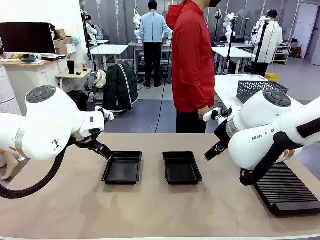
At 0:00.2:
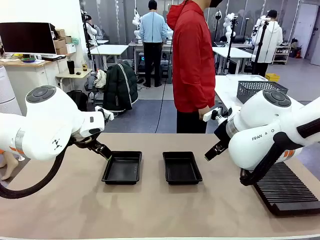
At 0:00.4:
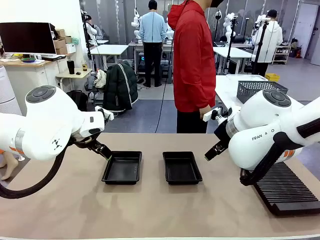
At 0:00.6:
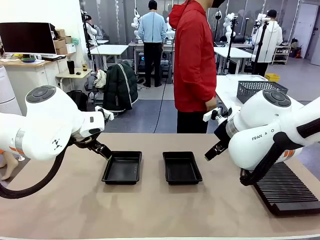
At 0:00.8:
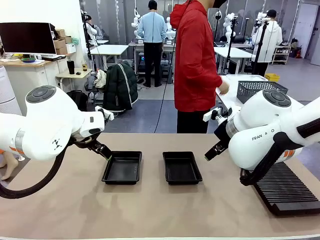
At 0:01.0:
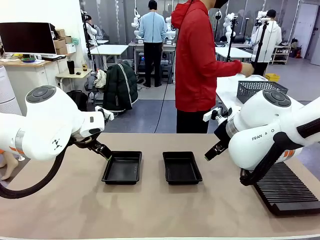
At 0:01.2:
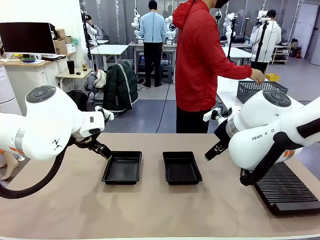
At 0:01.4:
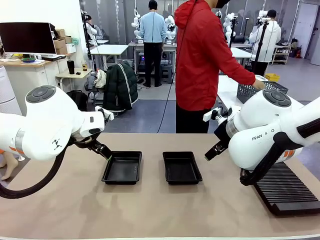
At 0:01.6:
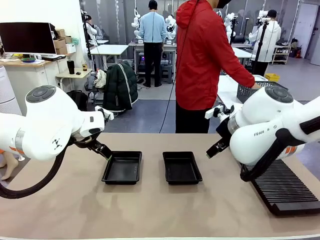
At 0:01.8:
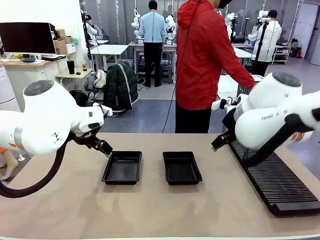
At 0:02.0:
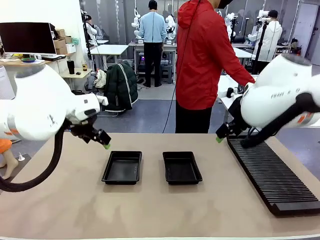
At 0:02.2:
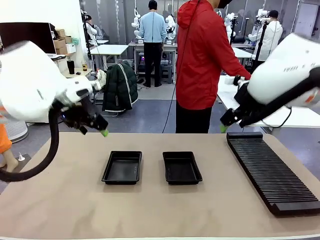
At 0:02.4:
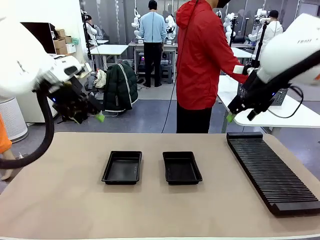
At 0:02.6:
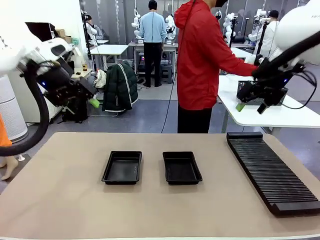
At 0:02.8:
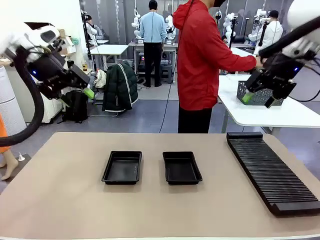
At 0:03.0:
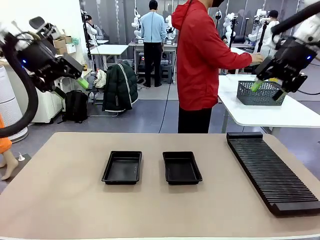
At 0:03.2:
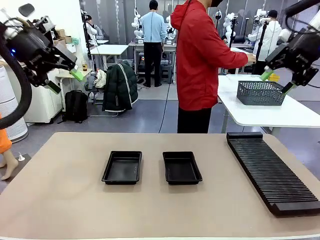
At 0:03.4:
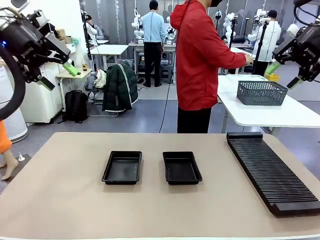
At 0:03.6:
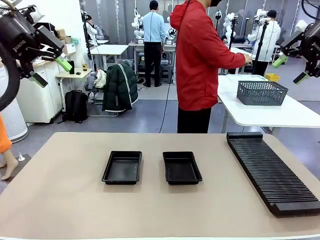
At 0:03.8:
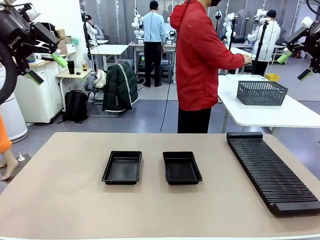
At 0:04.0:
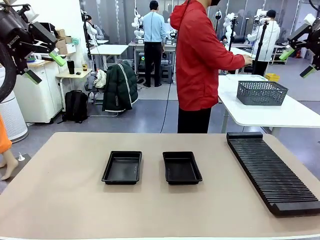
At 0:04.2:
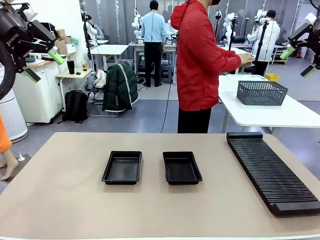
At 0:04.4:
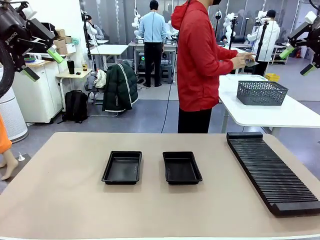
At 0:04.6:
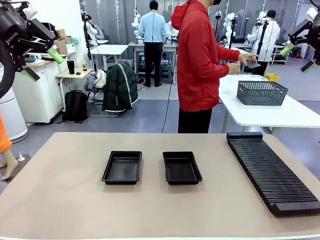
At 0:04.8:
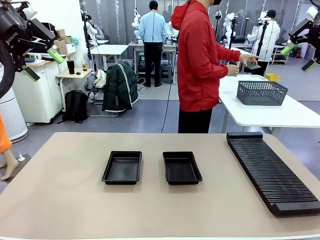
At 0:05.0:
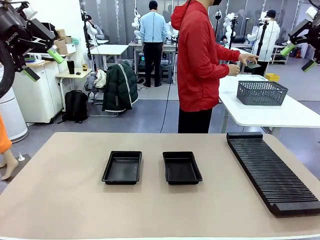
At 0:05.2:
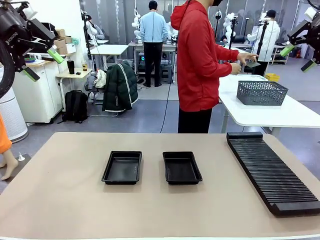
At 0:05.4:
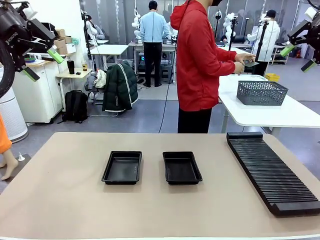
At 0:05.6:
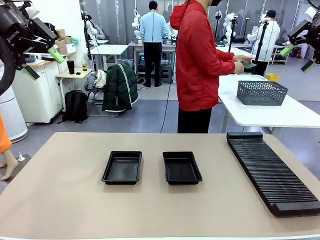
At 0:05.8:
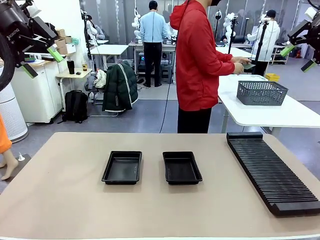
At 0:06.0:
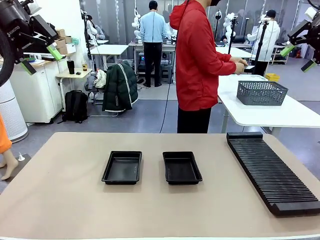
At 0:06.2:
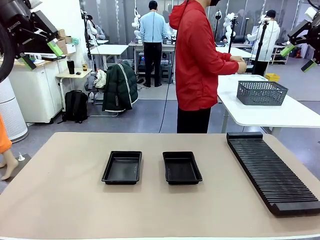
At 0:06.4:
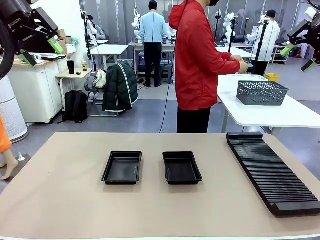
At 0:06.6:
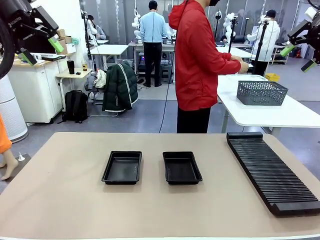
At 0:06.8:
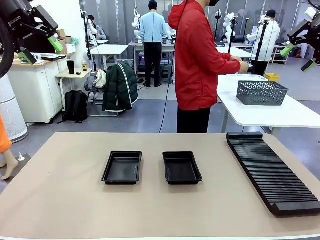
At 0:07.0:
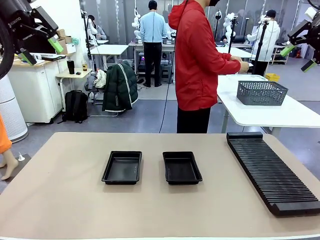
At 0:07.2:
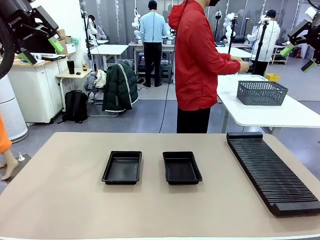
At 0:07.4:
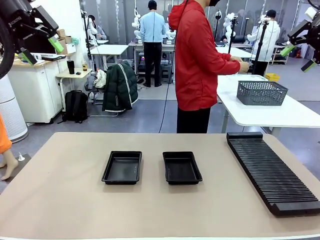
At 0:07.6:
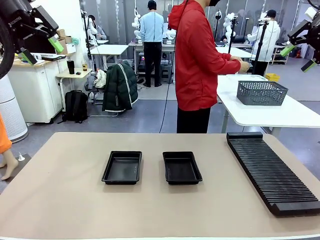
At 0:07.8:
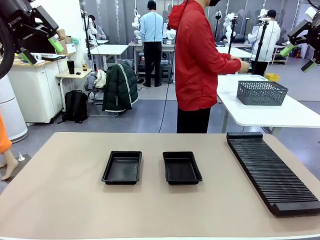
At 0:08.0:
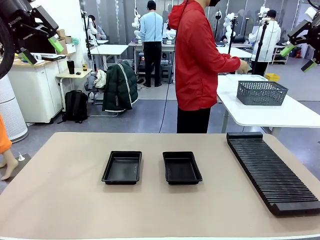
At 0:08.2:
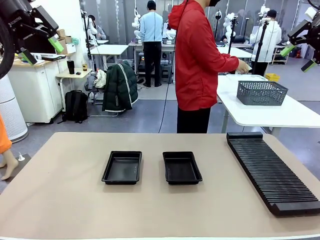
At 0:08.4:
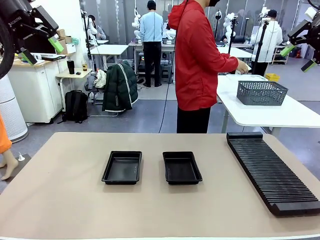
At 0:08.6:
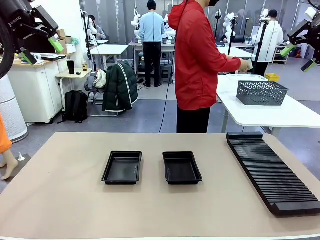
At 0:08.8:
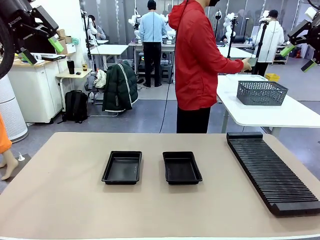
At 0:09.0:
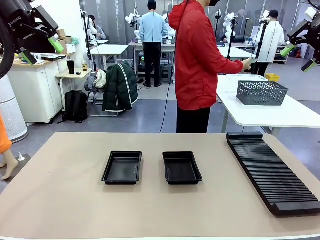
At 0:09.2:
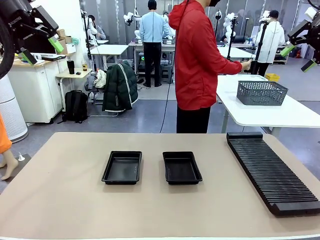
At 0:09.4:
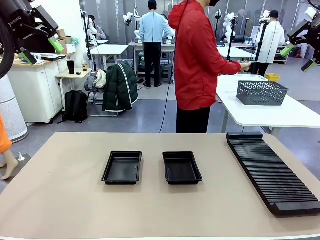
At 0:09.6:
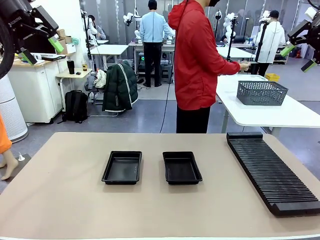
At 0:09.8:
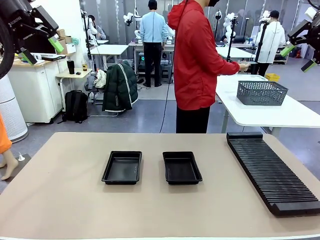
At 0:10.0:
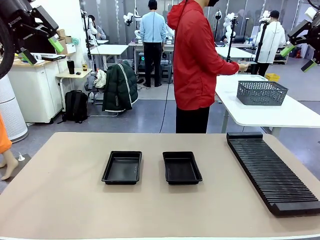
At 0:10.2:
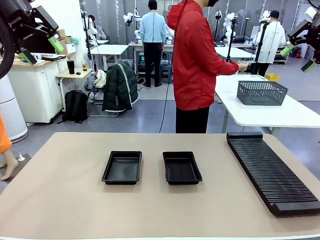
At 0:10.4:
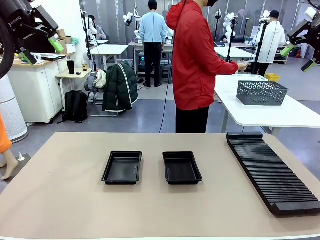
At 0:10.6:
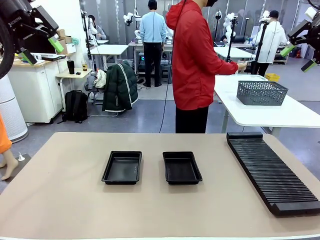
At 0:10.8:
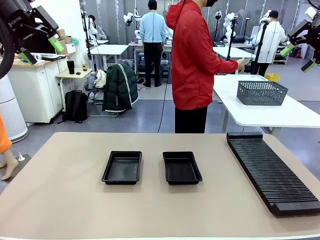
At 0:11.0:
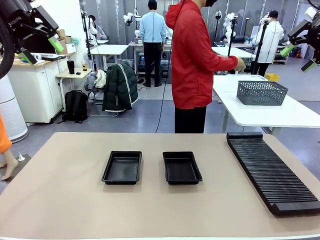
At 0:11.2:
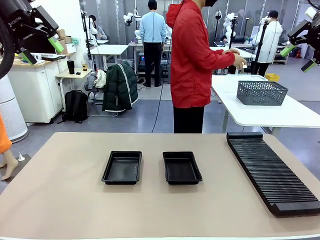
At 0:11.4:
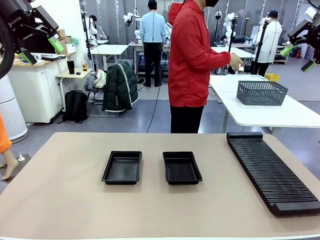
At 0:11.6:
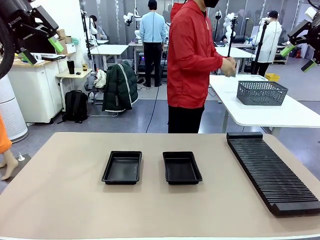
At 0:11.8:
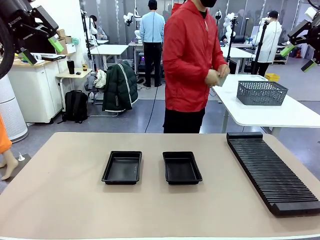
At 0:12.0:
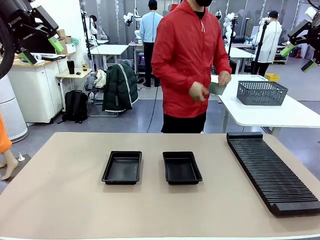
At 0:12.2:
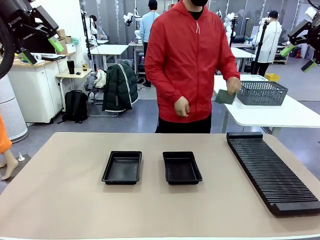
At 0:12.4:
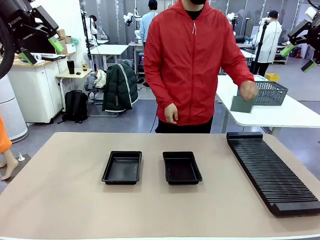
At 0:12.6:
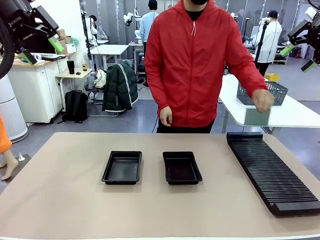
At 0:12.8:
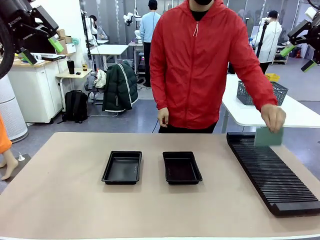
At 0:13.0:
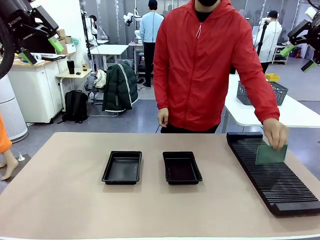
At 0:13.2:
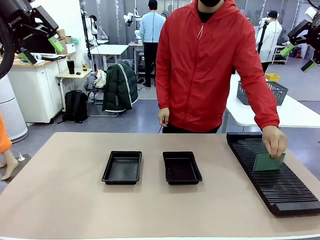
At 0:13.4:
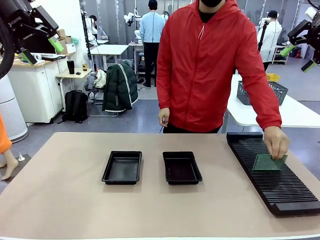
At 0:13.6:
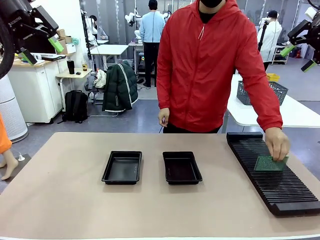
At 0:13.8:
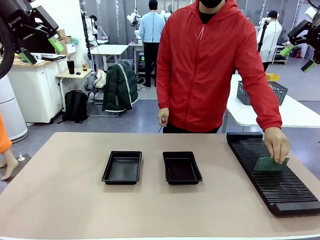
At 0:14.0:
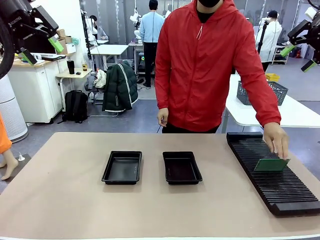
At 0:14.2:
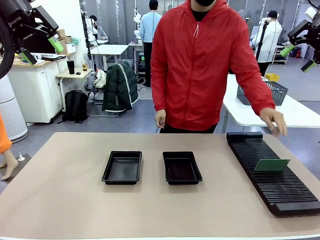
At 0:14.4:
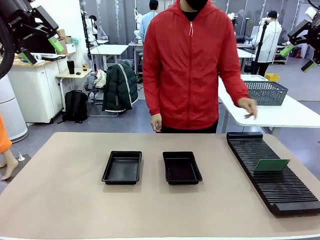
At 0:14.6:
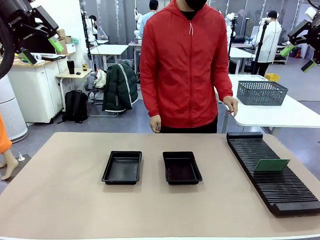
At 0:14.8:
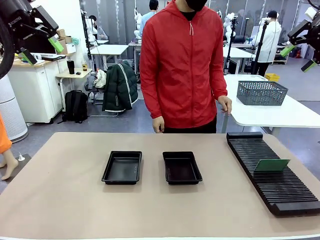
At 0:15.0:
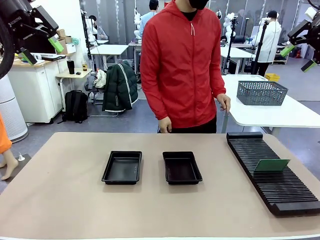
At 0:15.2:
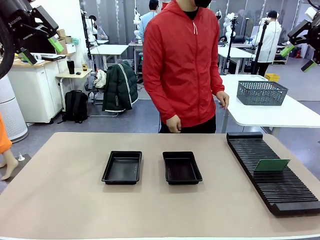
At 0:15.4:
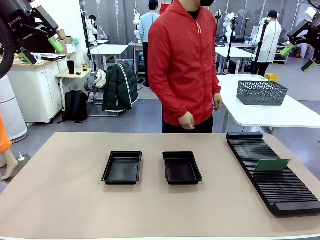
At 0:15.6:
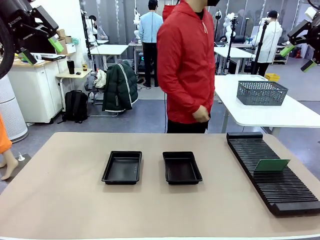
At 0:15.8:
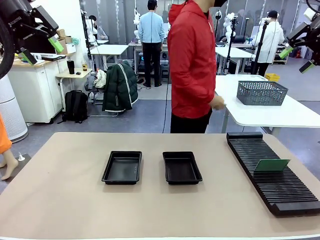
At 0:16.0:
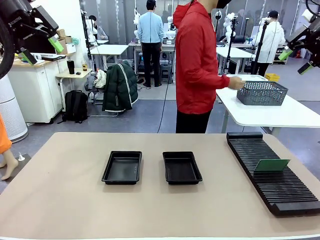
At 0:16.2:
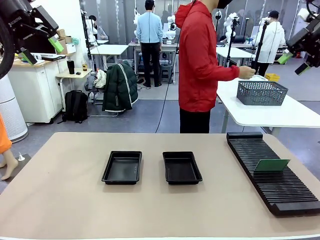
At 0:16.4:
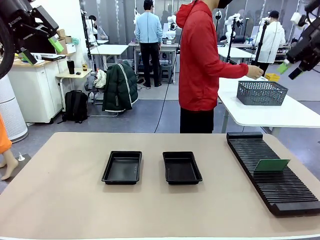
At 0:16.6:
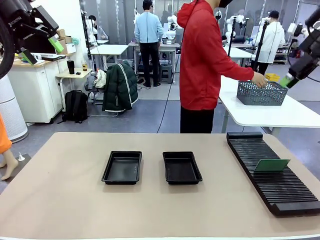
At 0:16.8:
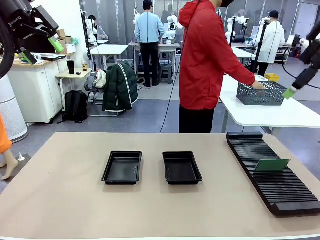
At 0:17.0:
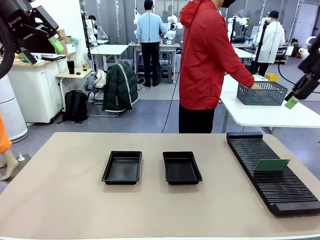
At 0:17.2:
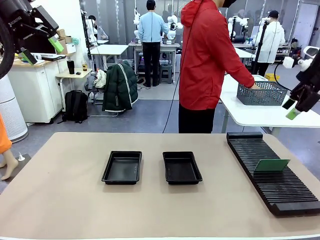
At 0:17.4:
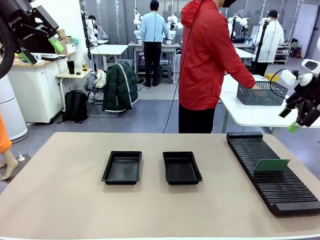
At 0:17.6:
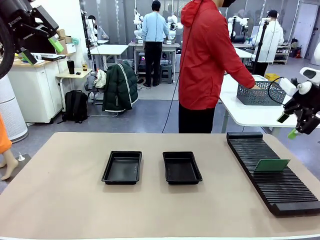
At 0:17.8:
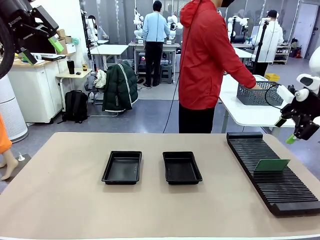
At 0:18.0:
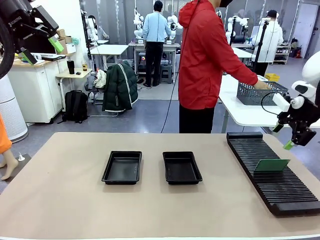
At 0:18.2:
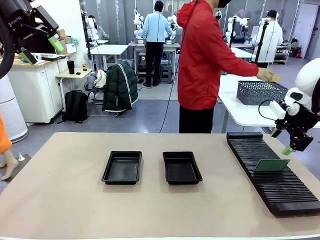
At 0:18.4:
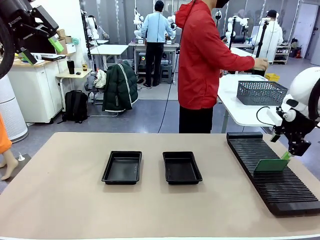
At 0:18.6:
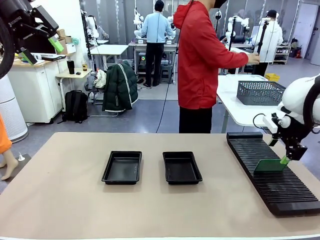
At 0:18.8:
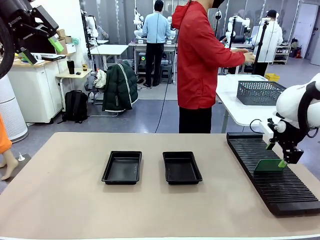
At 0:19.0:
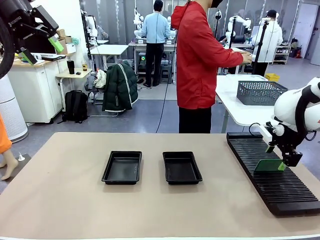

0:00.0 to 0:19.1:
Task: Inspect and transfer BCBs to ESD trays.
Robot: Pick up the Blank PCB from the PCB Rack and place it in the left ESD tray.
